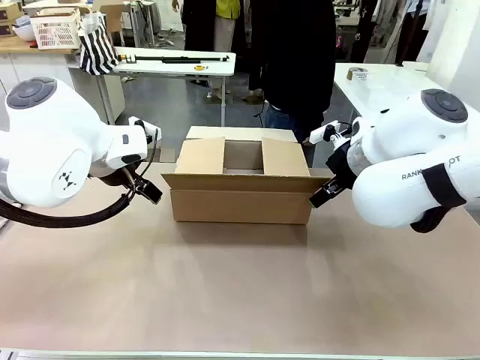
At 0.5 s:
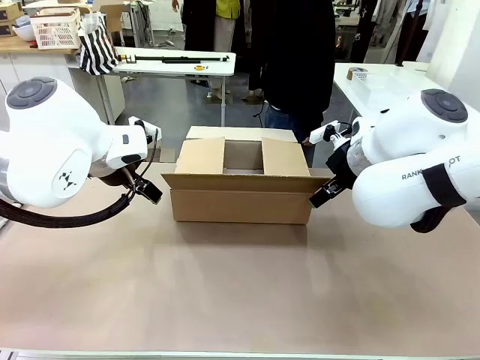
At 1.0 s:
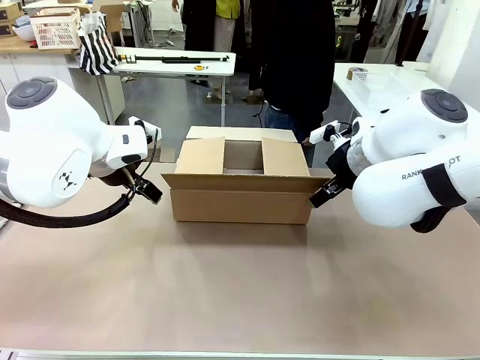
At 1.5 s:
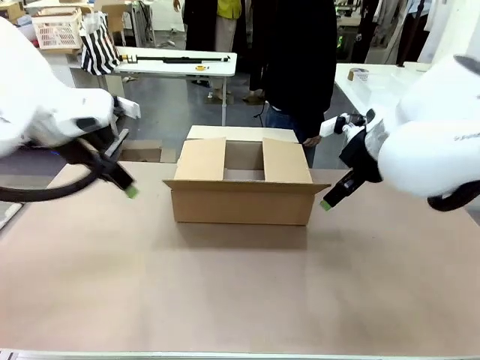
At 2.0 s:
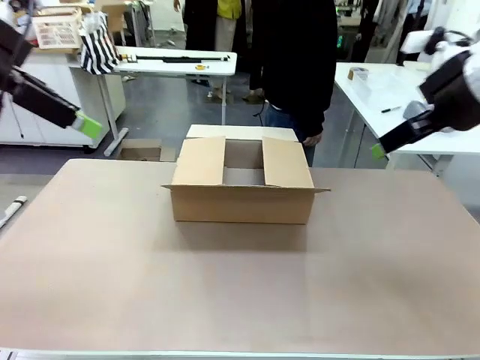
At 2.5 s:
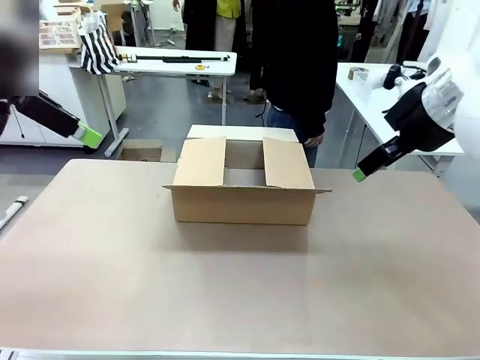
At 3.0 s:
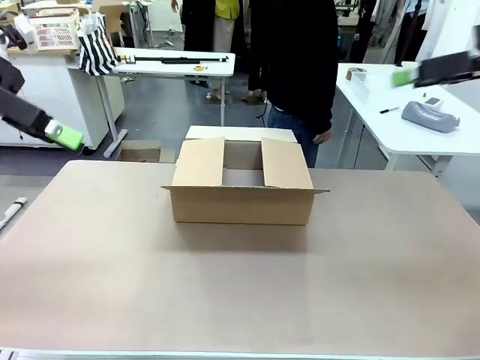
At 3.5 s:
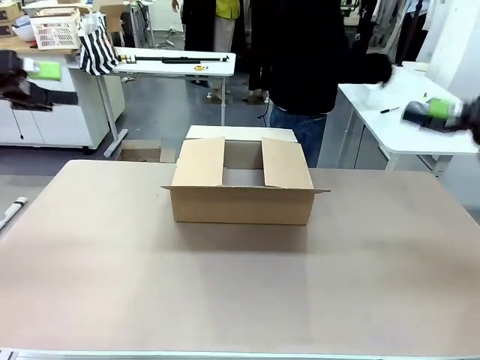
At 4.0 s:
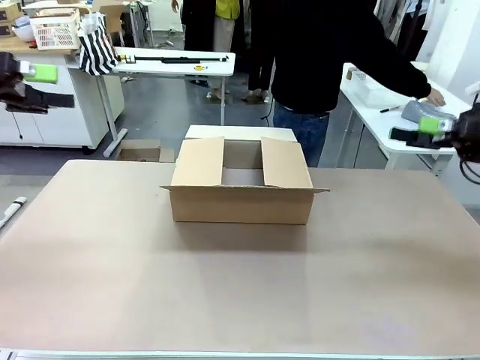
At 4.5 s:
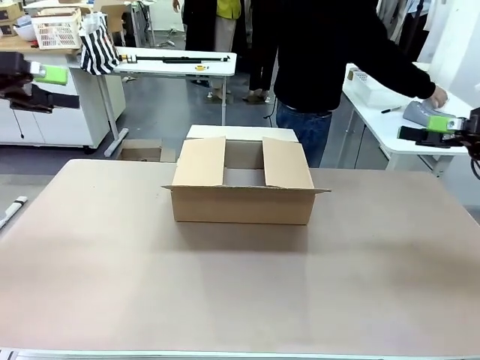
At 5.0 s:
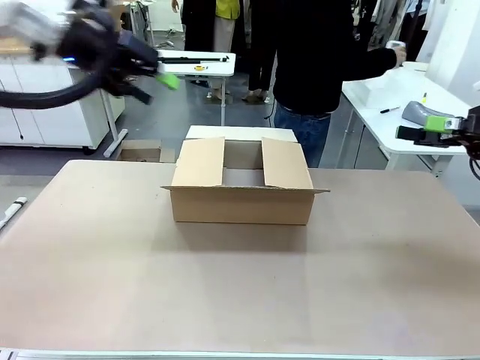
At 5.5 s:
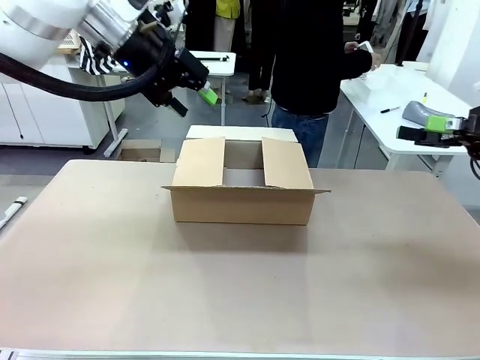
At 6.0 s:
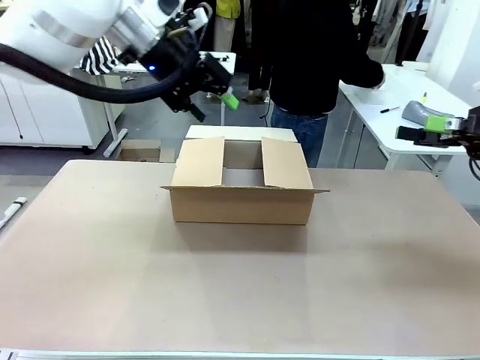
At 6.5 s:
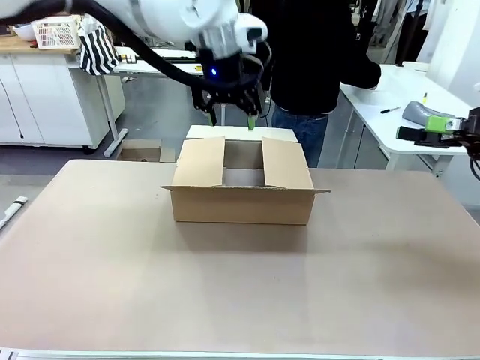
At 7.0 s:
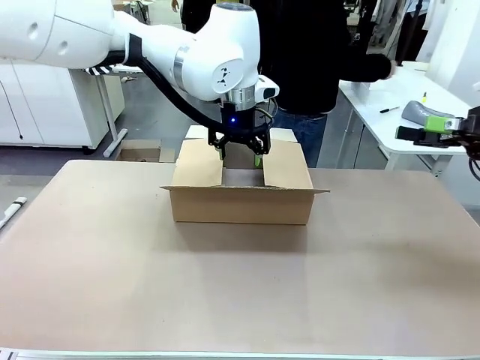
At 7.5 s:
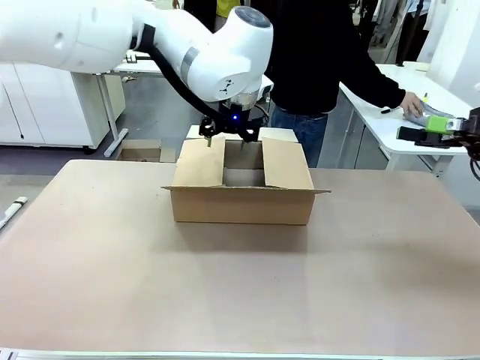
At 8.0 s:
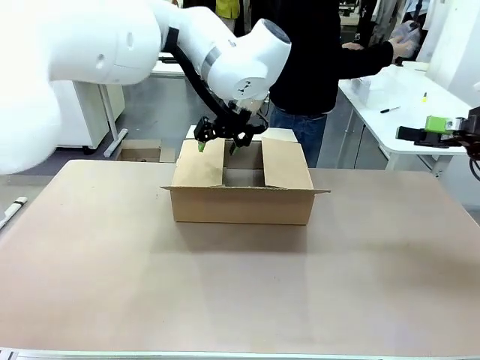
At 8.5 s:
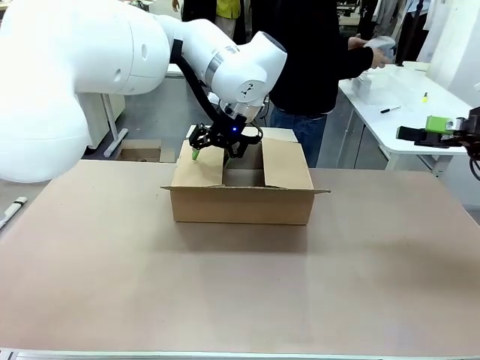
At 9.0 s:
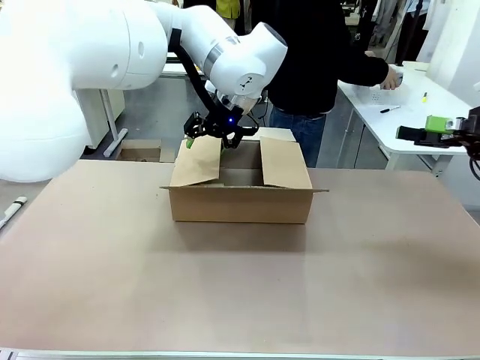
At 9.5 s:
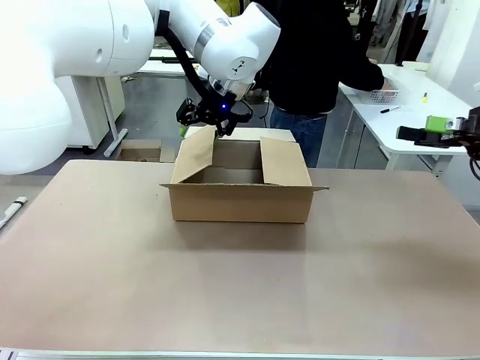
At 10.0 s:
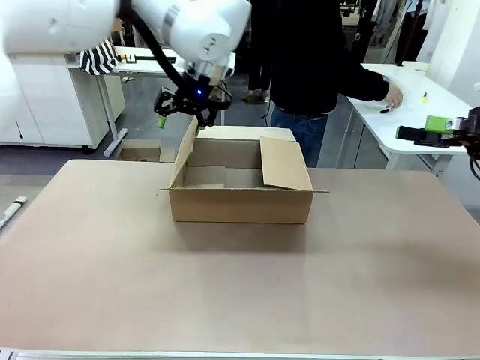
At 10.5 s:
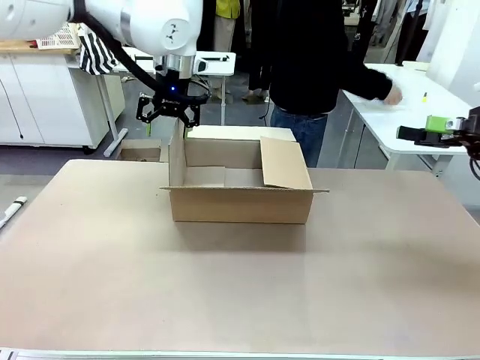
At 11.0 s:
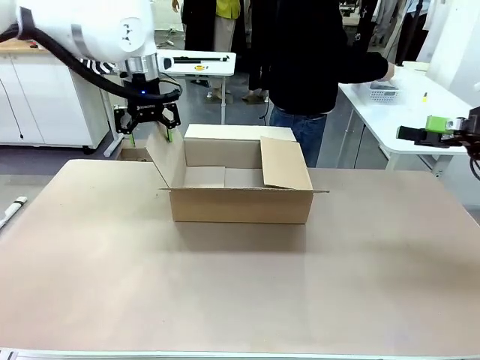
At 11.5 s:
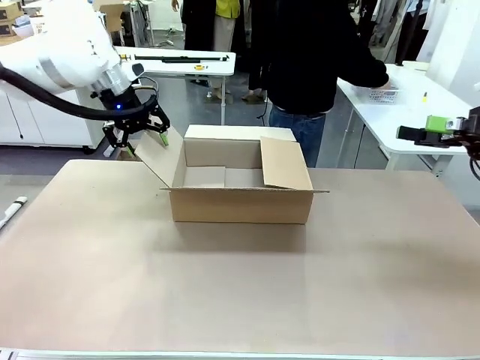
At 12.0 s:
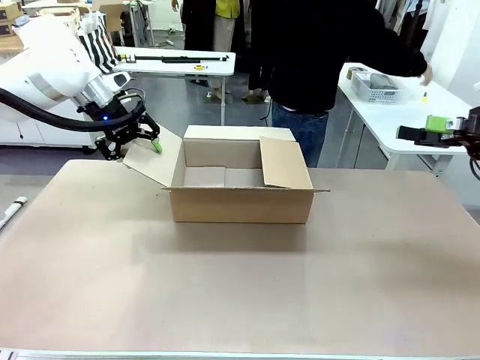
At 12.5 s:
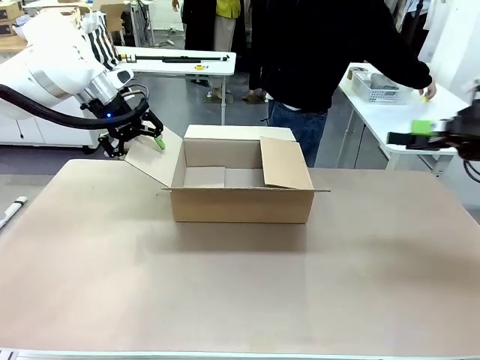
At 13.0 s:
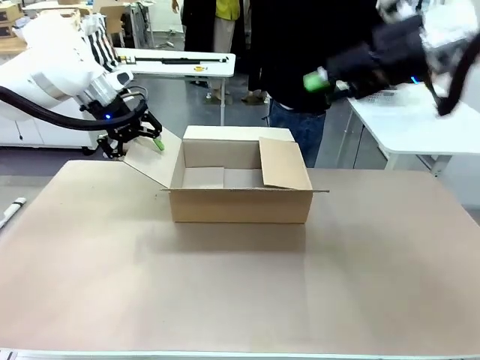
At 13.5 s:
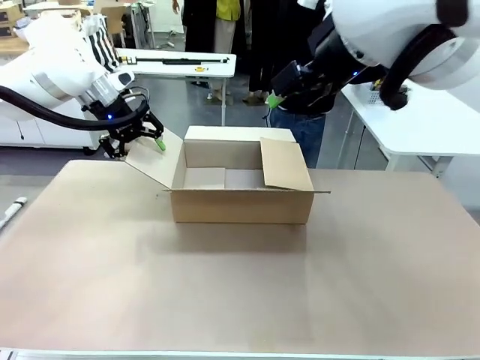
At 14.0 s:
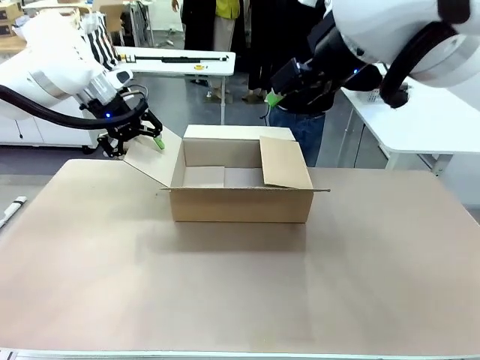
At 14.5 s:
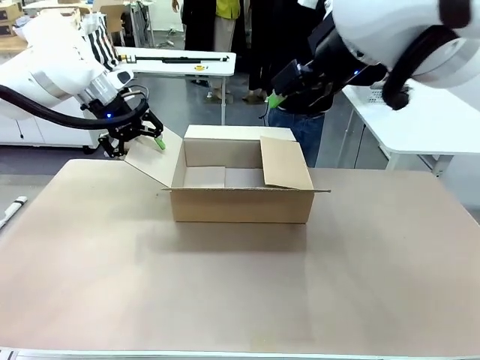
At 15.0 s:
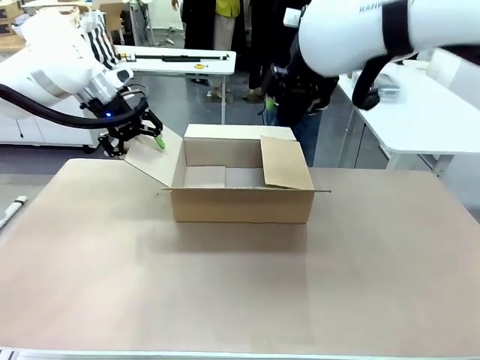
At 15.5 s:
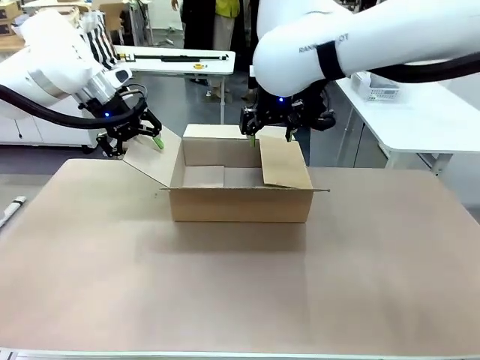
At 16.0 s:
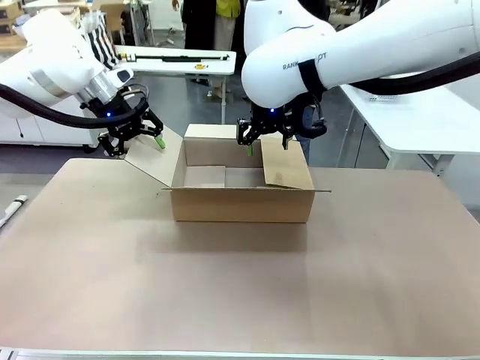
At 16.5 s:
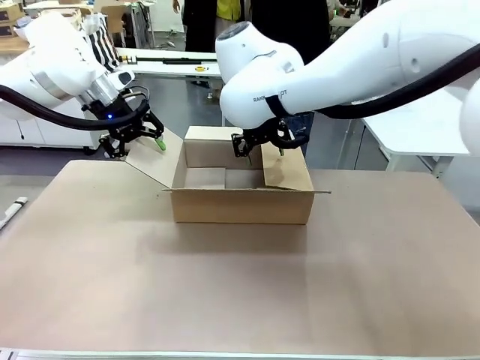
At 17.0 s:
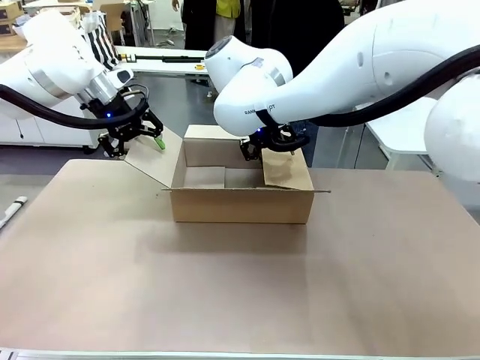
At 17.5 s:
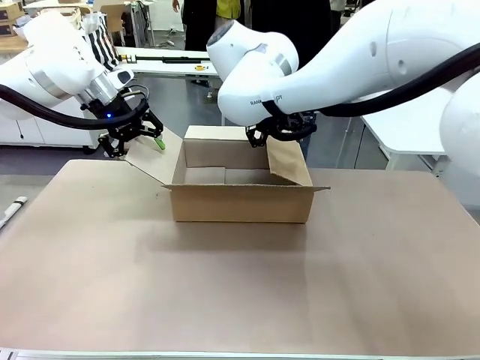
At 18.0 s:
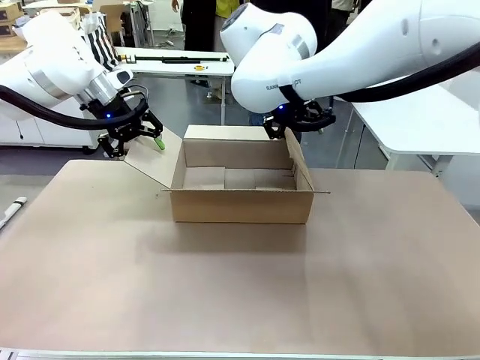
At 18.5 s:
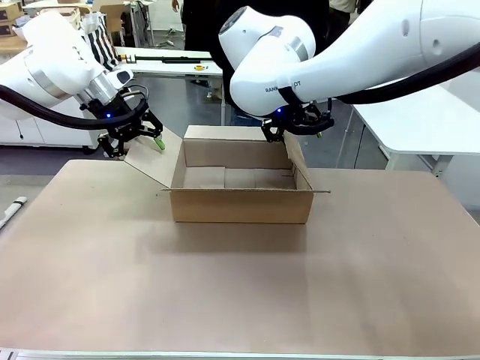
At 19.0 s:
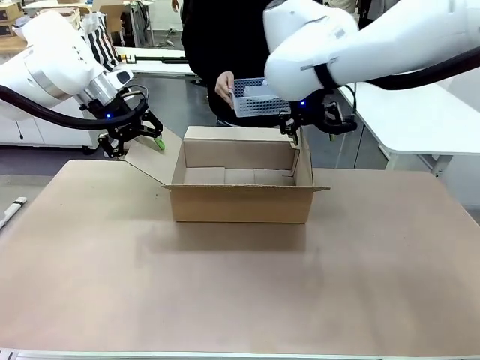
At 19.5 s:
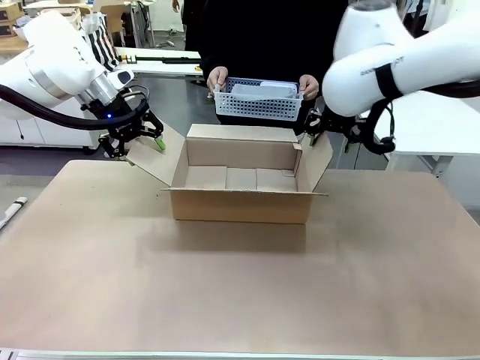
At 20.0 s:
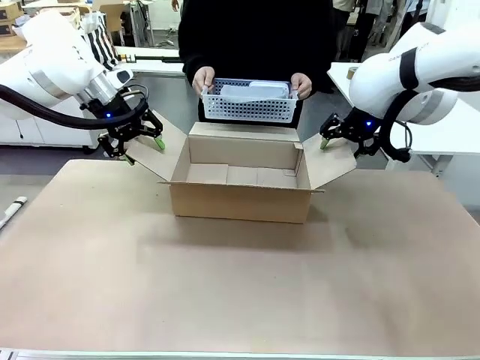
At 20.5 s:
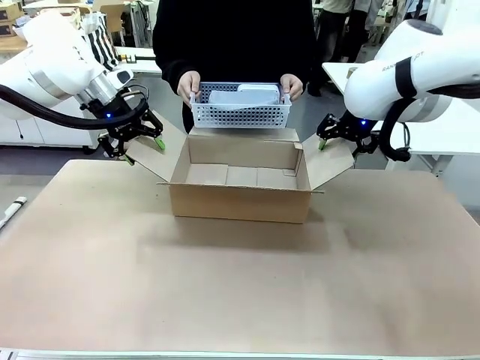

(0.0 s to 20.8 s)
Task: Pack the gift set into the box.
Robot: Place both hands on the side flaps of the Package Box and spread them outward.
Person: The human places all items except the paper tape into the organizing basket. The human picks up the organizing basket and places the organizing basket into the package box on the robot table.

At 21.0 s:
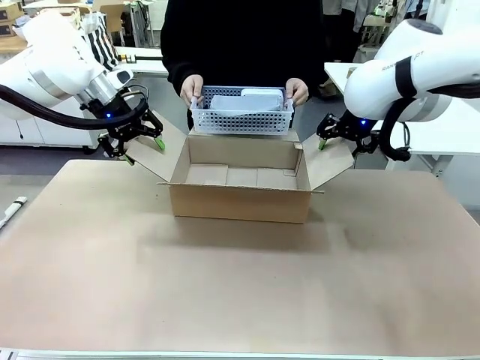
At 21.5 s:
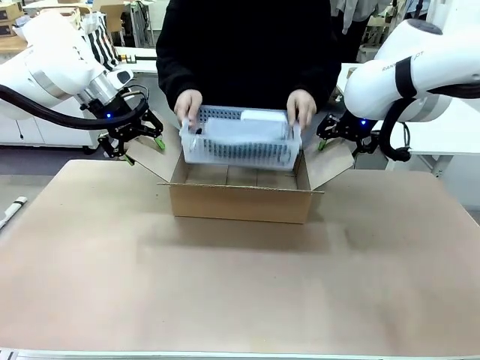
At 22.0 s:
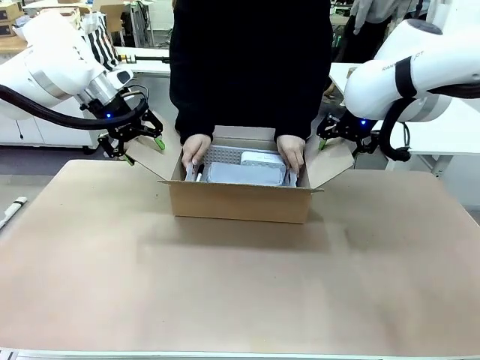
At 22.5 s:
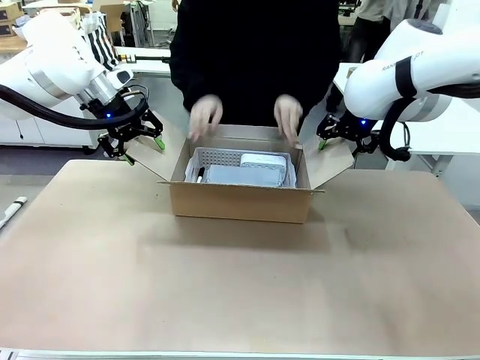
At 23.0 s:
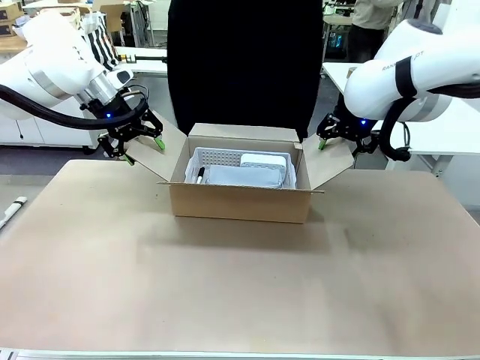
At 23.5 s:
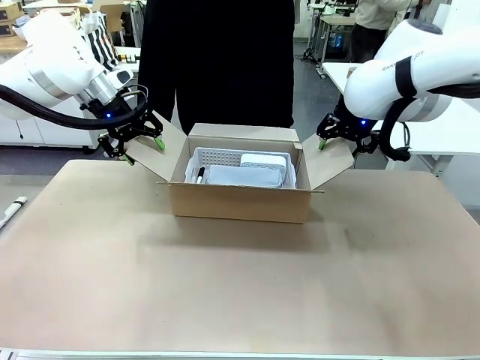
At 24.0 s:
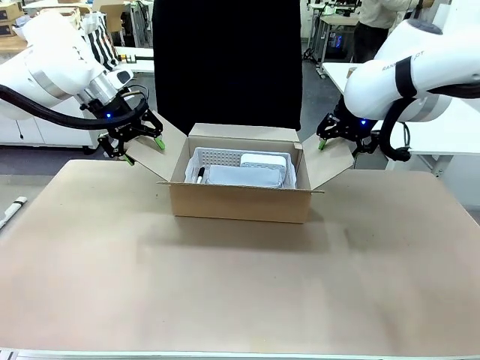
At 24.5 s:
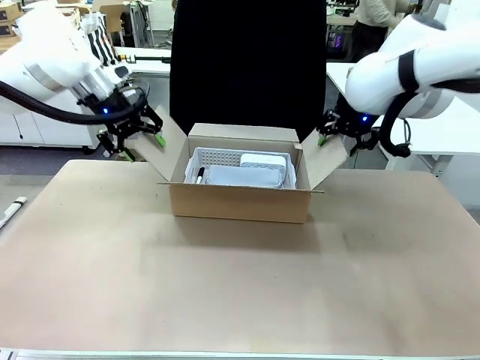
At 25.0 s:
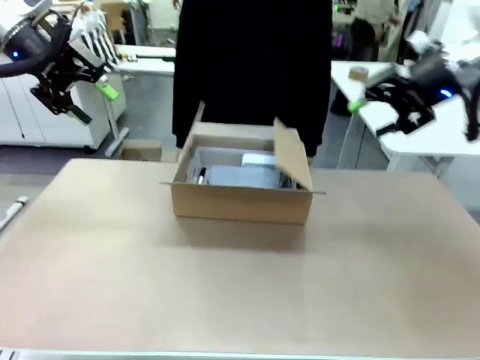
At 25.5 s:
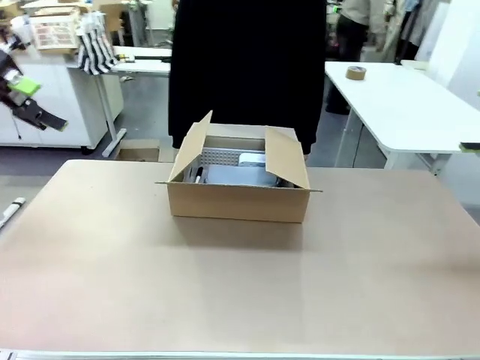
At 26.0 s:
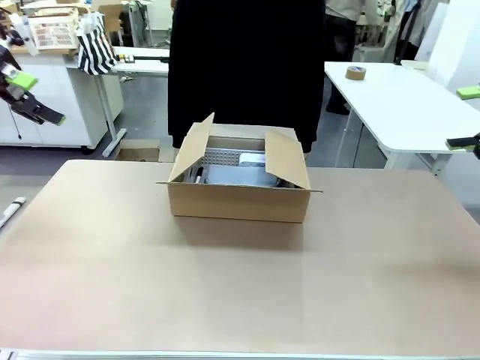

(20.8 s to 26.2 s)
Robot: Lift both hands away from the flaps of the Package Box.
